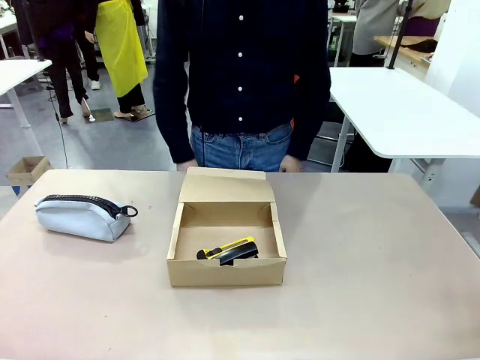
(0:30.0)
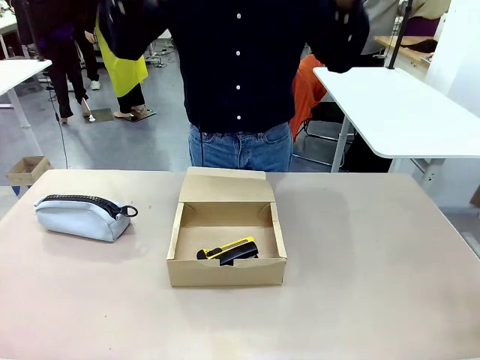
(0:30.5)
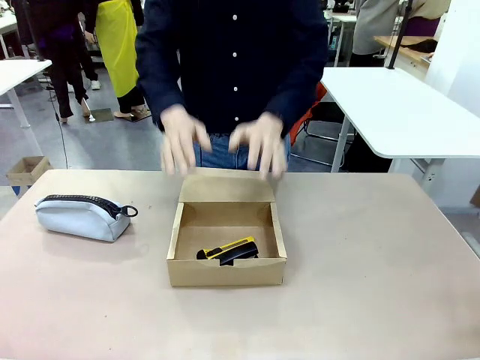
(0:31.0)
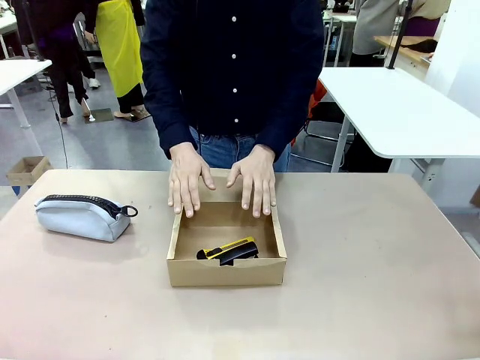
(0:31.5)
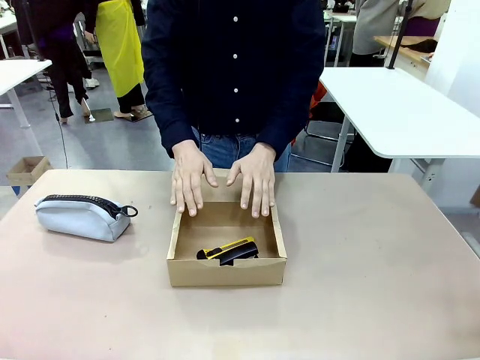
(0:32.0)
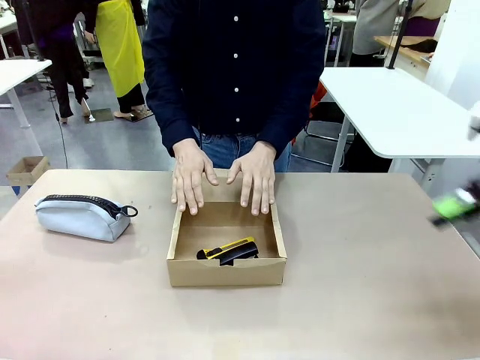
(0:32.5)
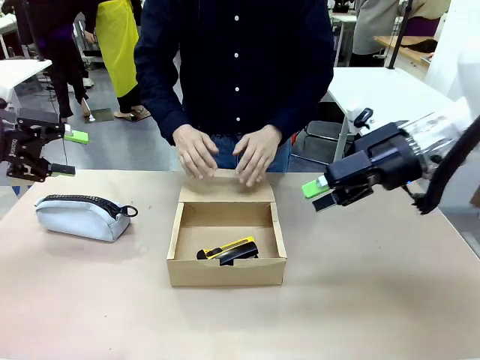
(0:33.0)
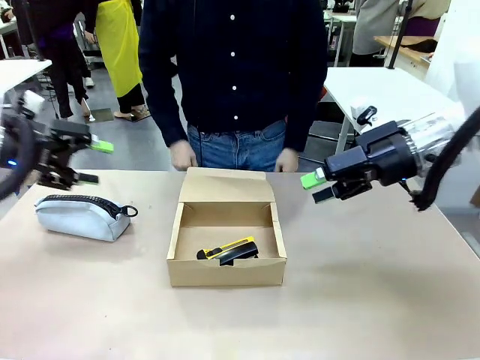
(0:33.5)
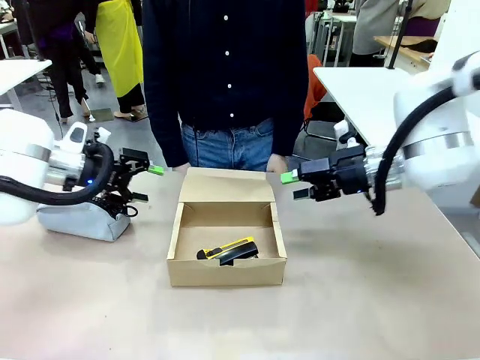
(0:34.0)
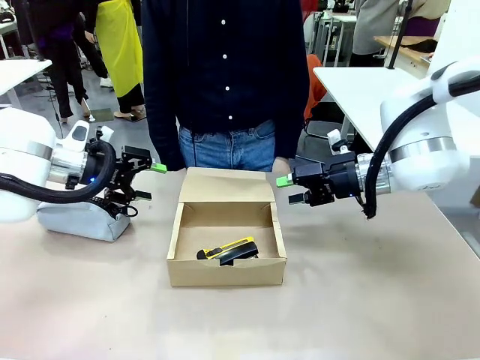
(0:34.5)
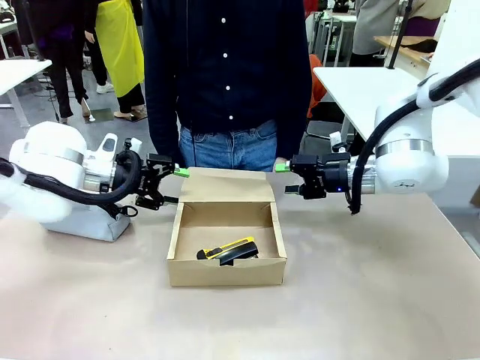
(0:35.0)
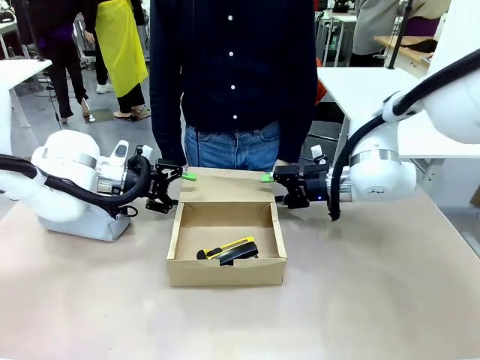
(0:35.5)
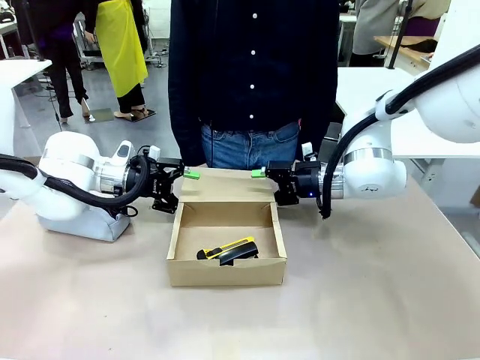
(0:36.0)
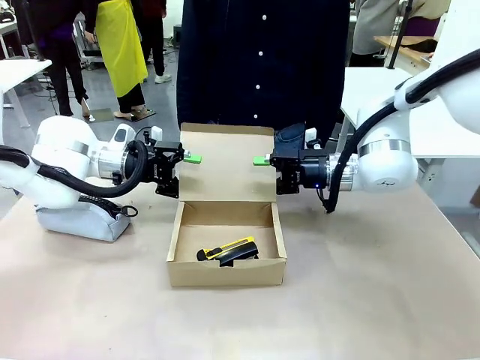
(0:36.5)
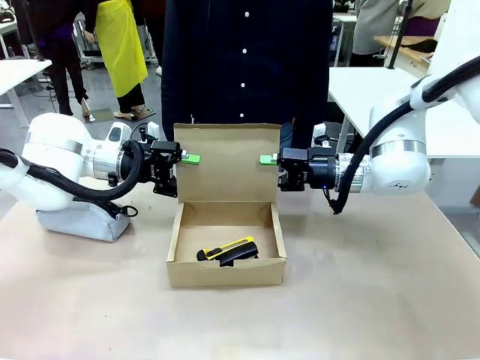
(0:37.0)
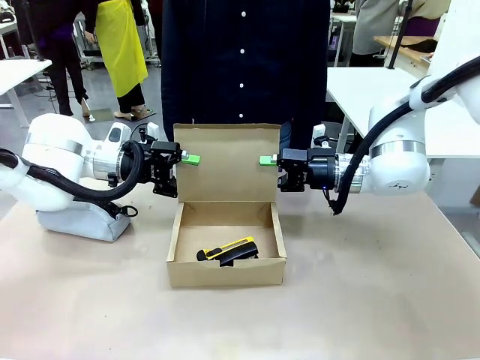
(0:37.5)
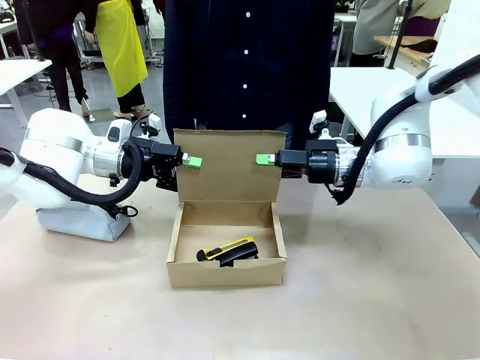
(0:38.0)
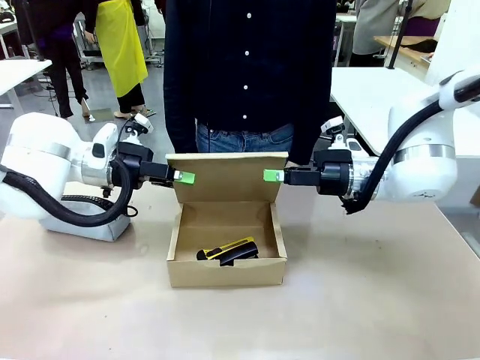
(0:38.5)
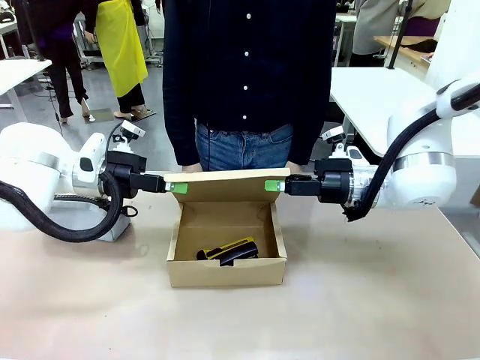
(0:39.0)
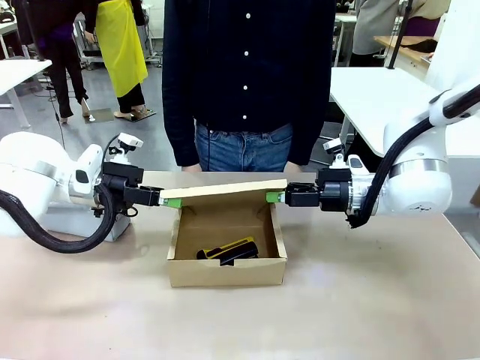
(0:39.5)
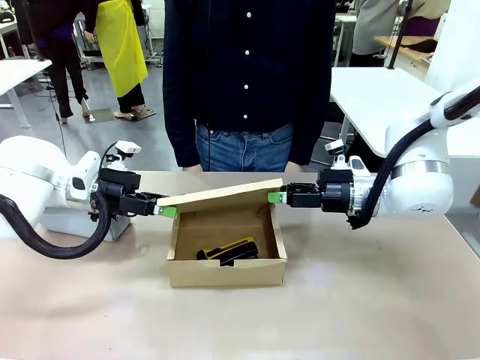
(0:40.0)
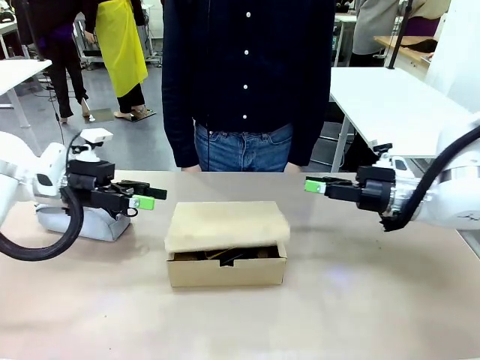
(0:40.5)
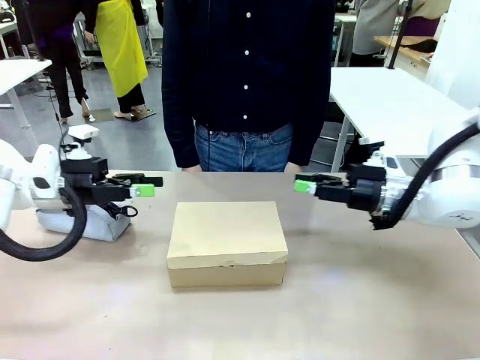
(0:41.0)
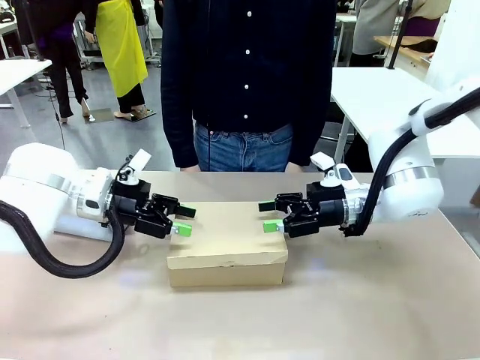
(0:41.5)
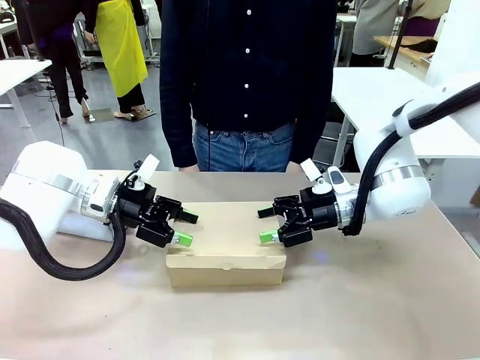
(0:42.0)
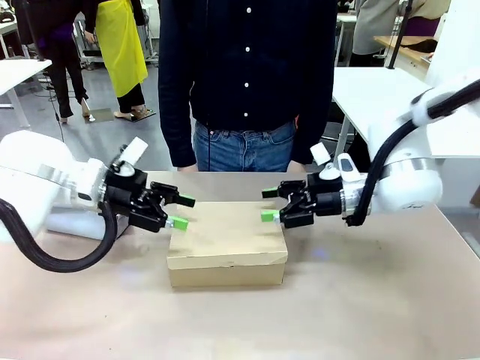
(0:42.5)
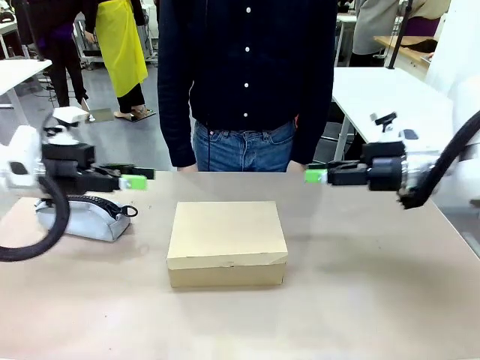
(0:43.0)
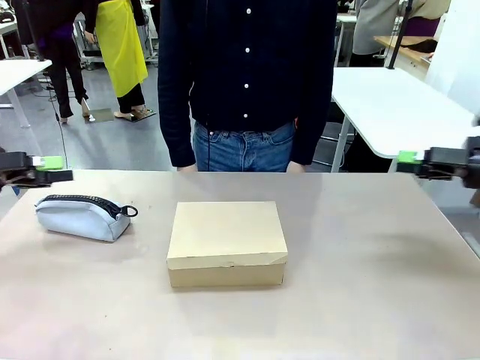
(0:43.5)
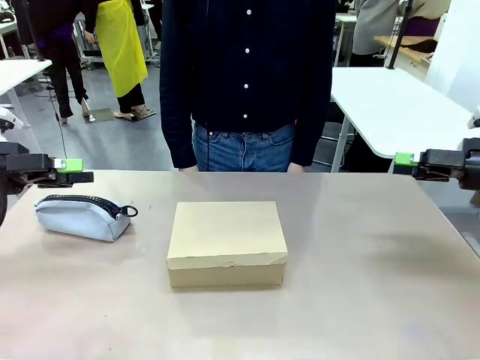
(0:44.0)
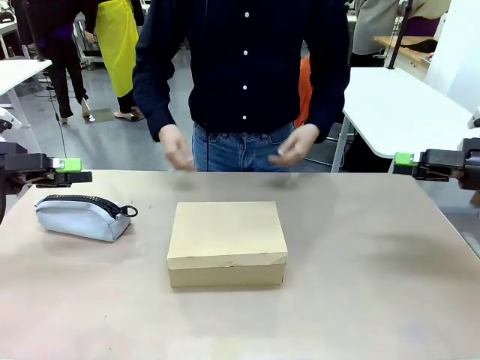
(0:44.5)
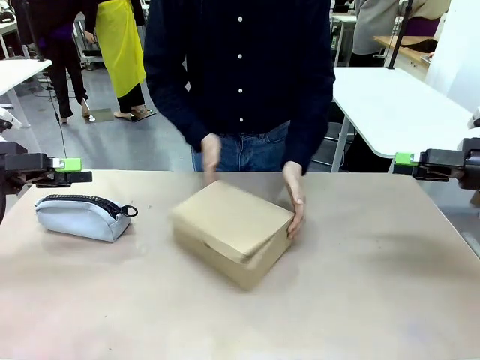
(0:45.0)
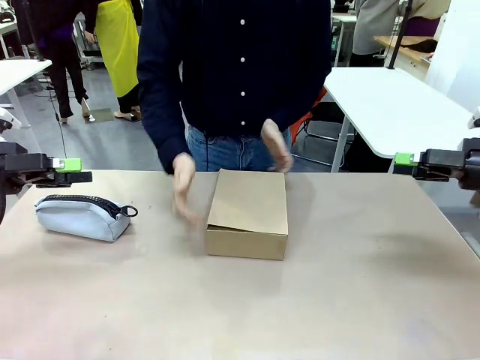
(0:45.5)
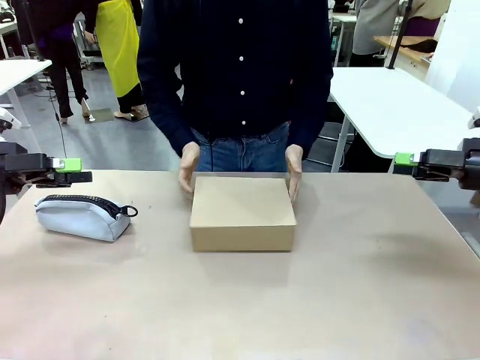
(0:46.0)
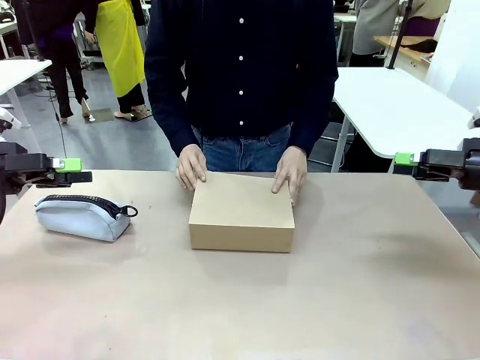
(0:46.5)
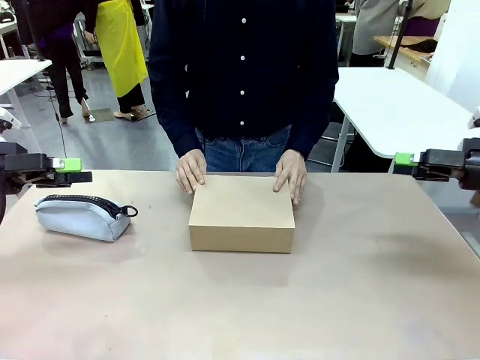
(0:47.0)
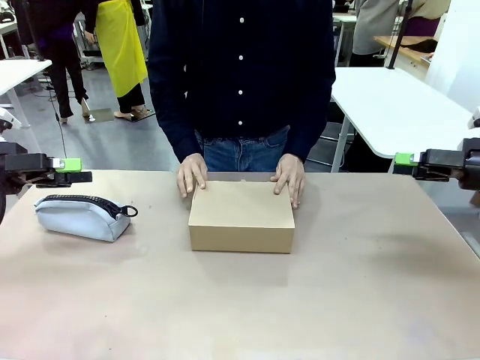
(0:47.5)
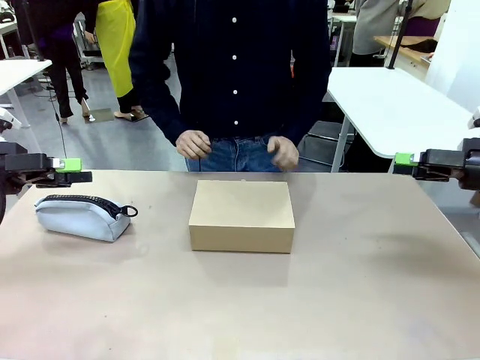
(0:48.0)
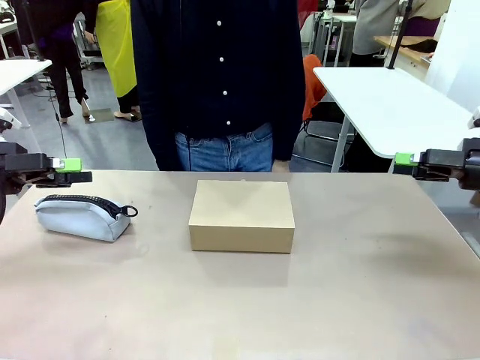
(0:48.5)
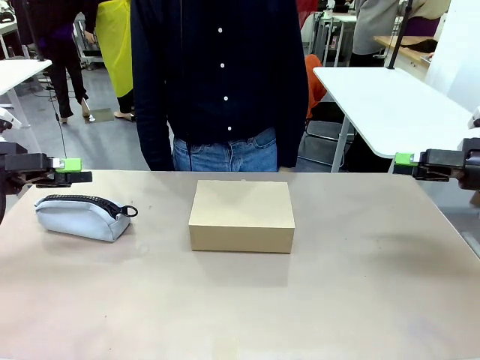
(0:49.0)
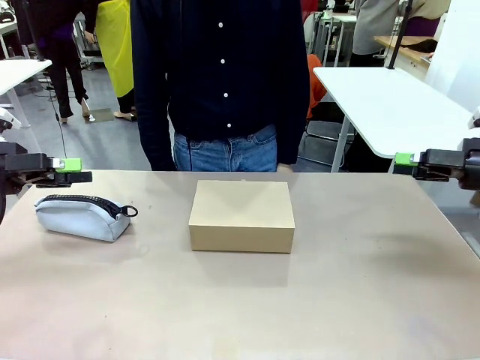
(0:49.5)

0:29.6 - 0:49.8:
Task: Pack the items into the box.
Robot: Close the Mailer Box.
Person: Turn the box and lock it.

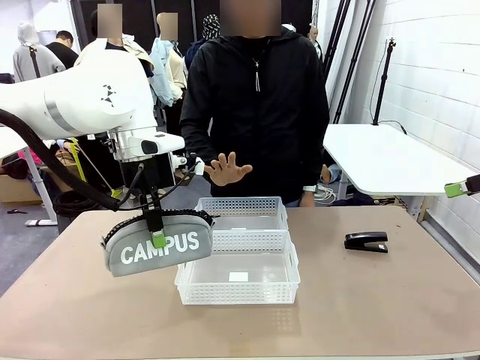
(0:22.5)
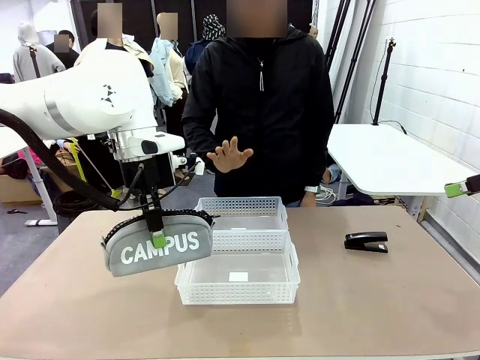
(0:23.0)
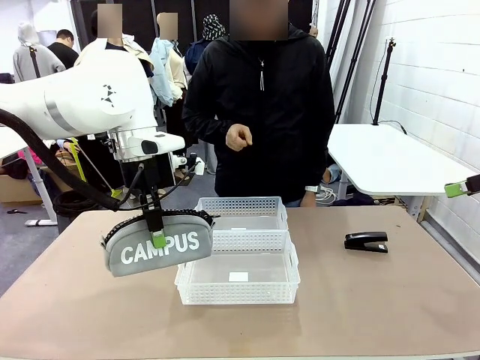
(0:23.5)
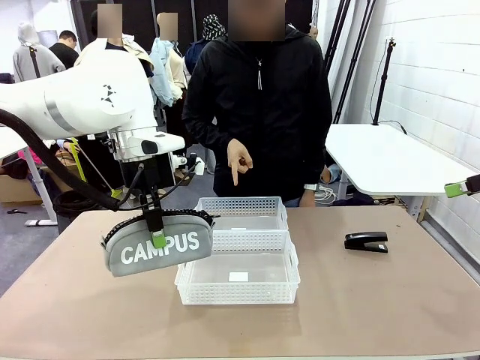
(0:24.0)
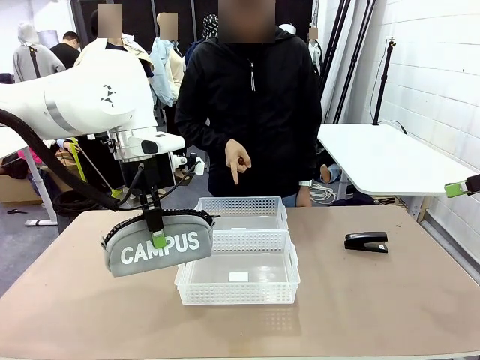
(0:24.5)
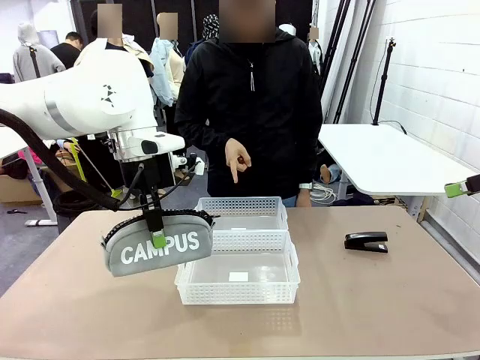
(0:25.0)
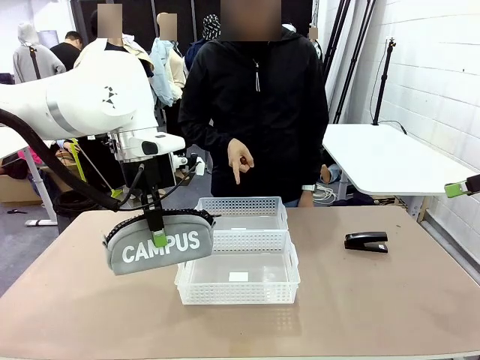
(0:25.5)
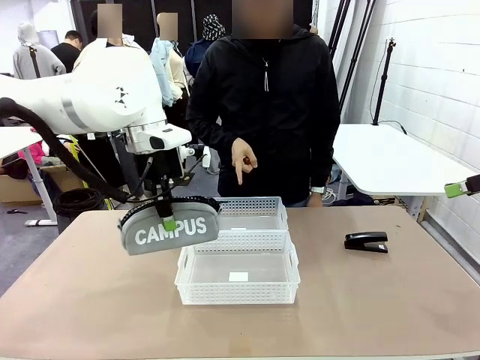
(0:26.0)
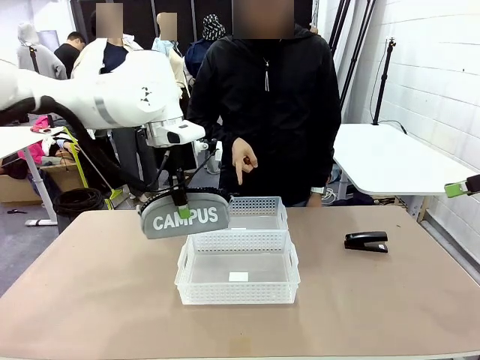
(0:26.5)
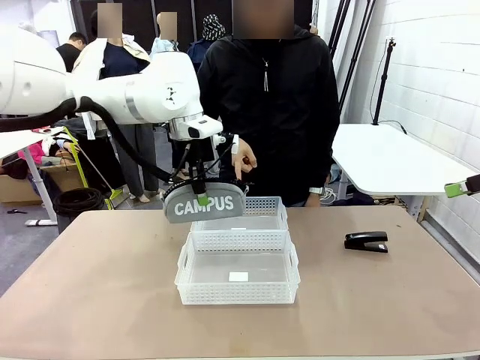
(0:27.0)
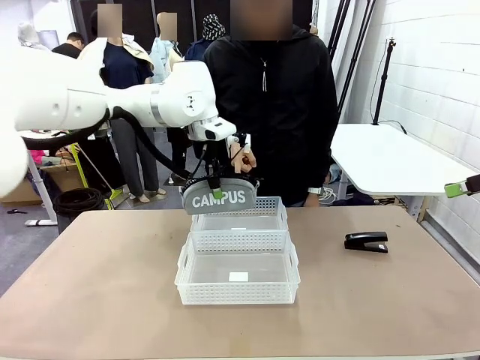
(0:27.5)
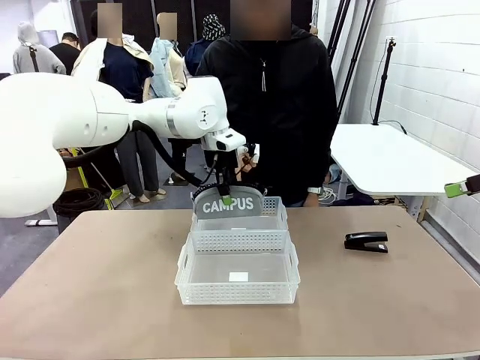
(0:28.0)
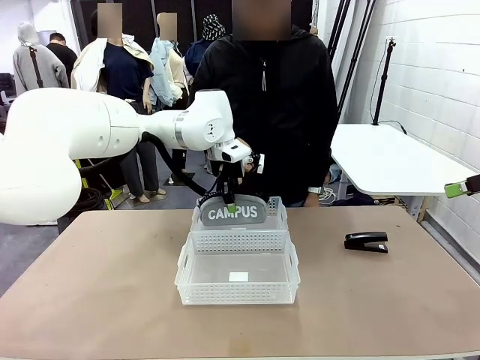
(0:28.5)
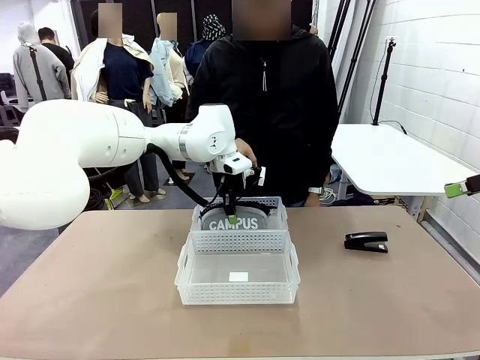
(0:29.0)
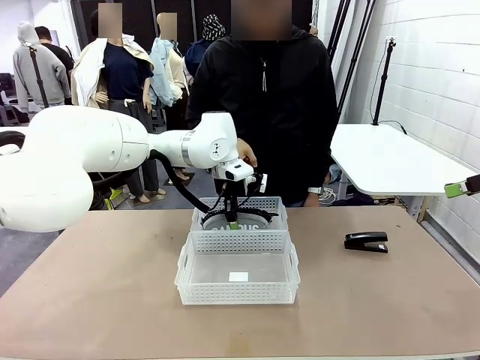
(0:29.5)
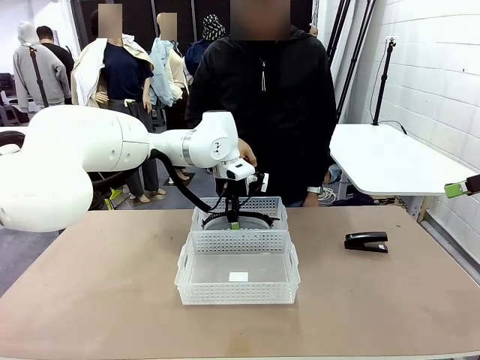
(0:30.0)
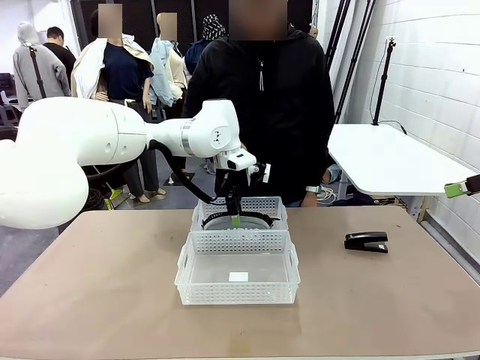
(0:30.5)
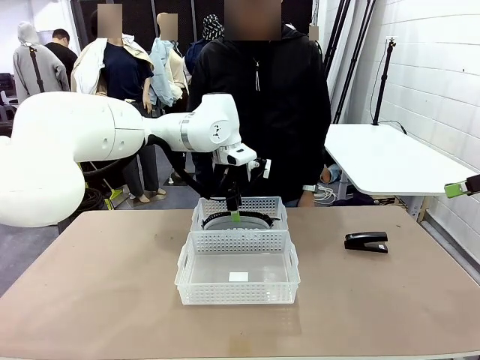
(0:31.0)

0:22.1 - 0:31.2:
Task: Distribute items into two baskets.
Robot: Place the picked Pencil pouch into the Organizing basket as instructed by the person.
Person: Instructs the robot to place the pencil case into the opposite basket. Points to the stapler.
